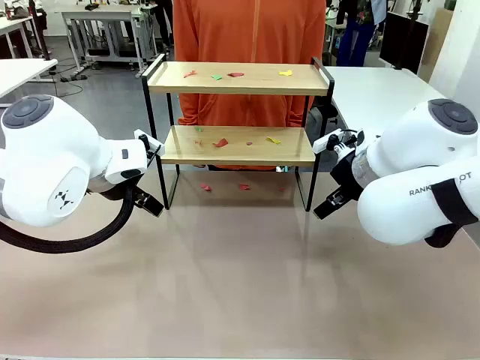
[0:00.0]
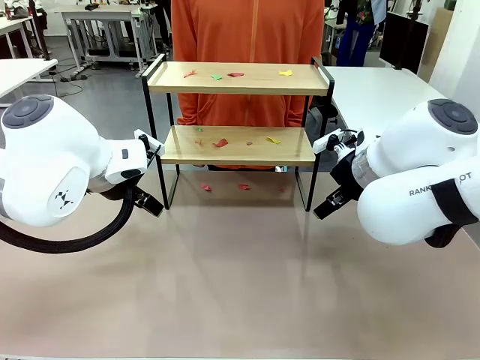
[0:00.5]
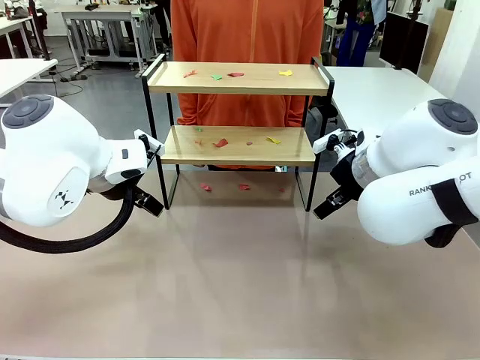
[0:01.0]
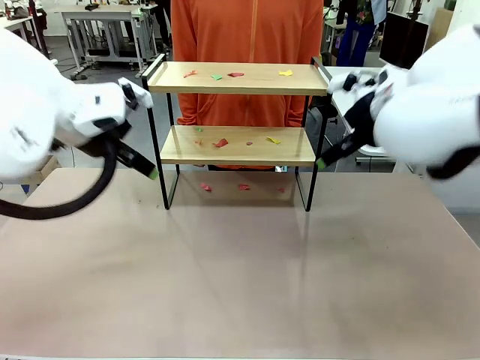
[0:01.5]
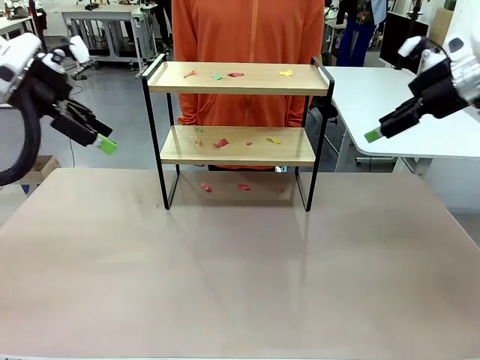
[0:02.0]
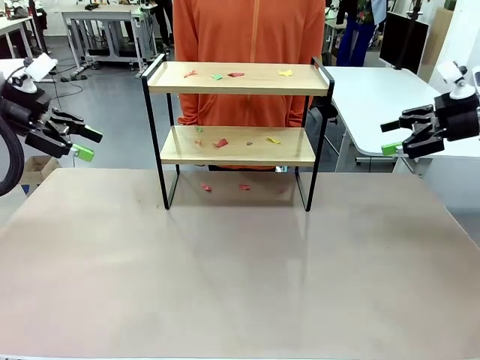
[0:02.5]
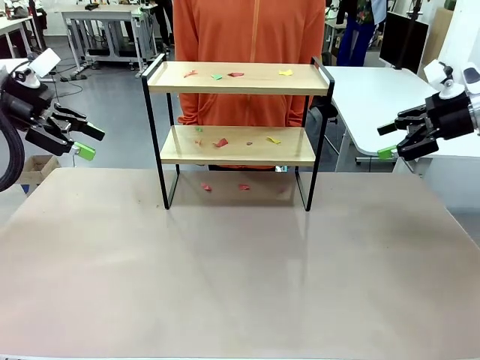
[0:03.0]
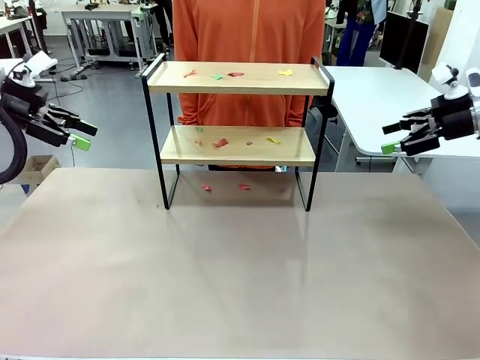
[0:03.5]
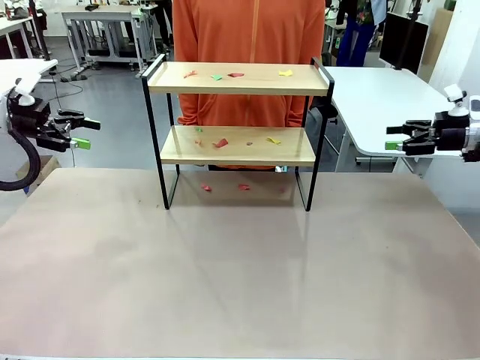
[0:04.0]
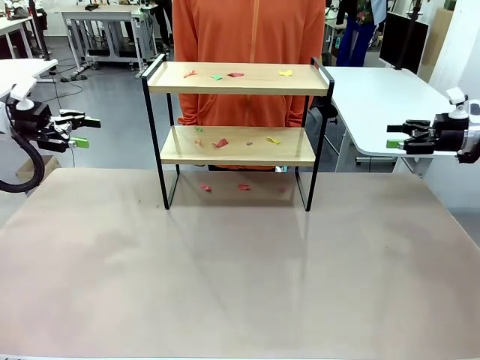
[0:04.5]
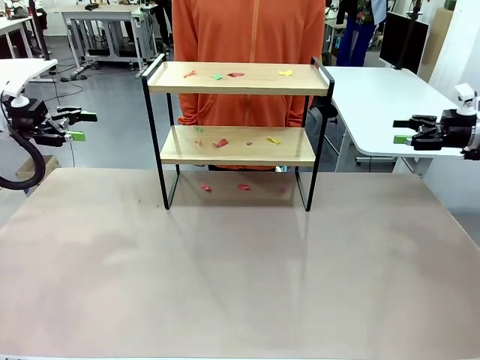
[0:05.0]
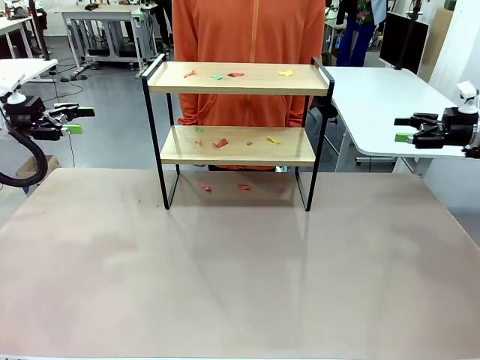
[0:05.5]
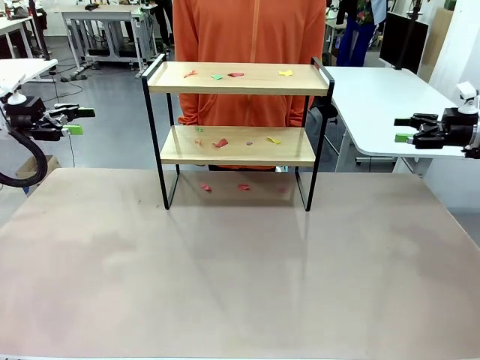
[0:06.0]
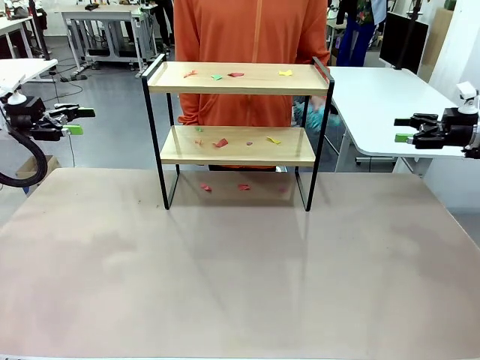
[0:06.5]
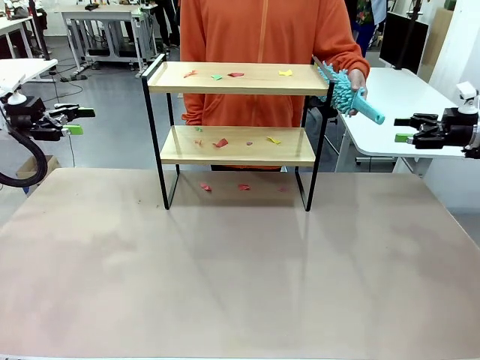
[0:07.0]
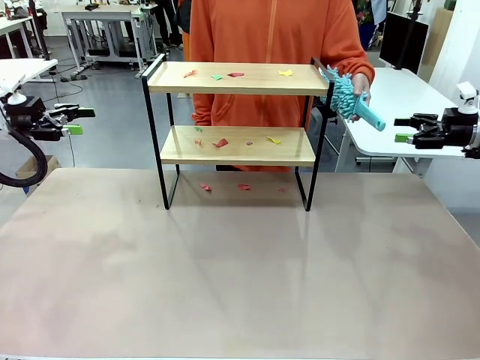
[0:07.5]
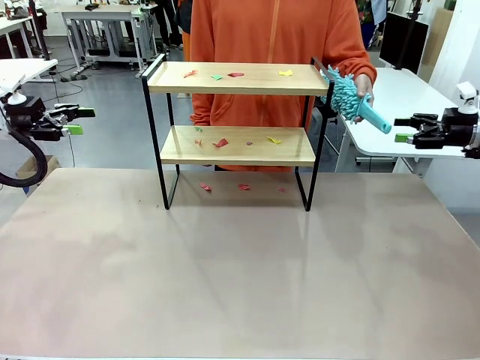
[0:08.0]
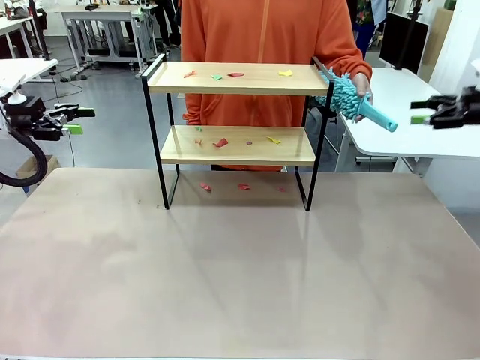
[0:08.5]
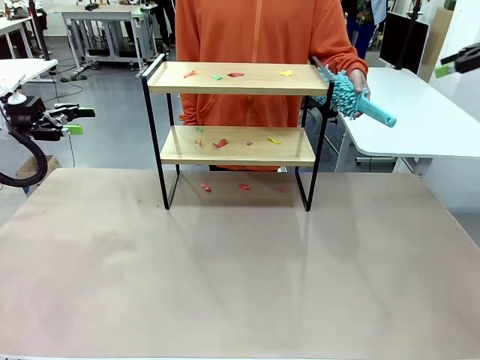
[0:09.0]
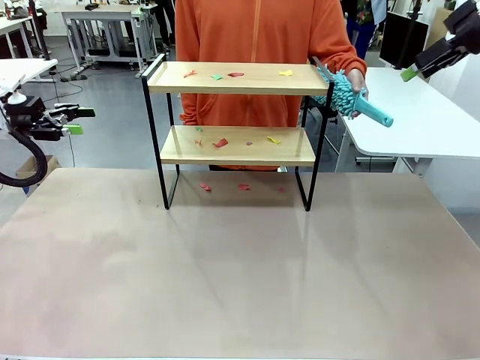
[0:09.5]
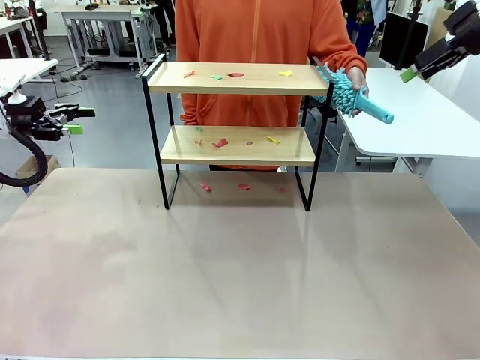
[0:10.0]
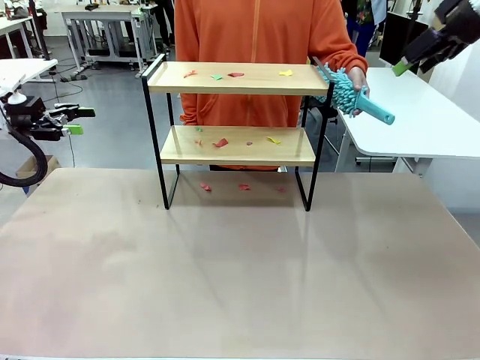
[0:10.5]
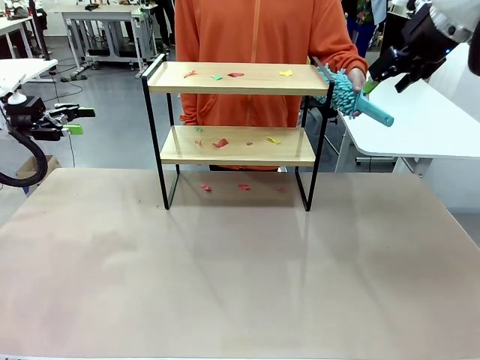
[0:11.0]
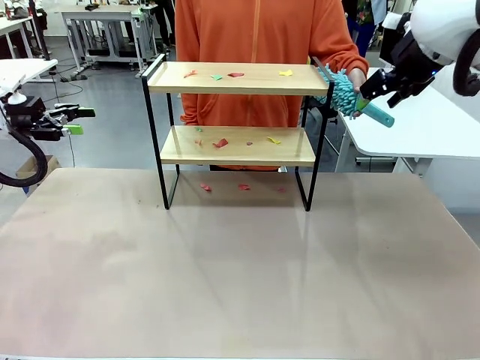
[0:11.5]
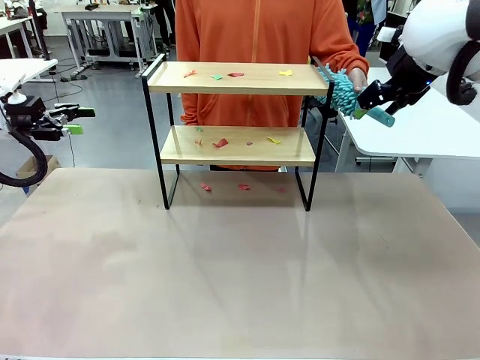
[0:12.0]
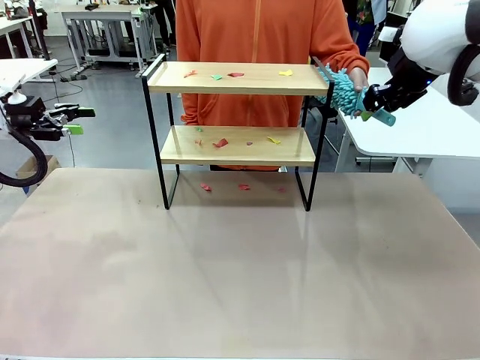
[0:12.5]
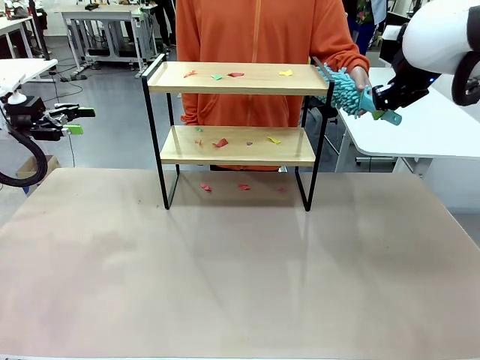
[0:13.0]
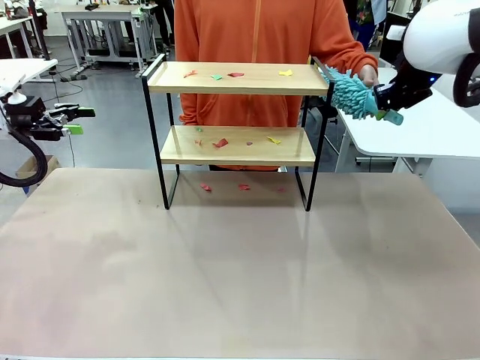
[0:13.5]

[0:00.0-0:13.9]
Task: Clean the shelf.
Robot: Pick up the Duster handed by the human.
Person: Hand the Duster to the robot.

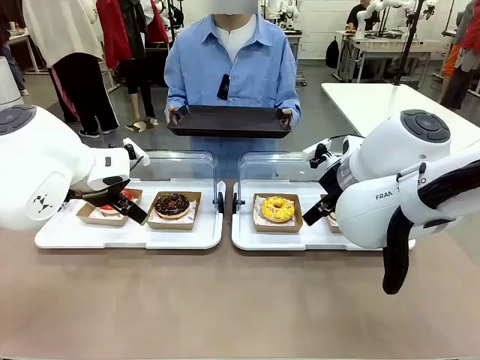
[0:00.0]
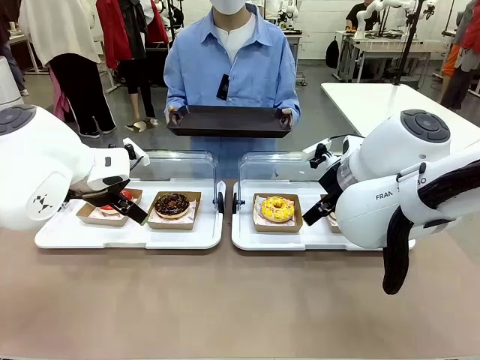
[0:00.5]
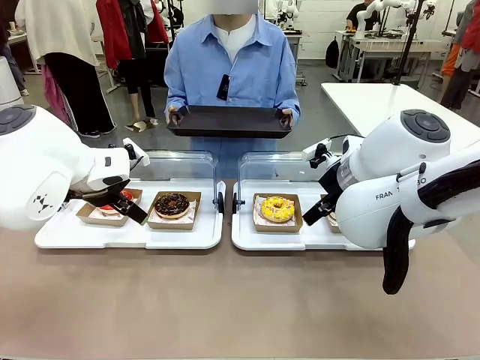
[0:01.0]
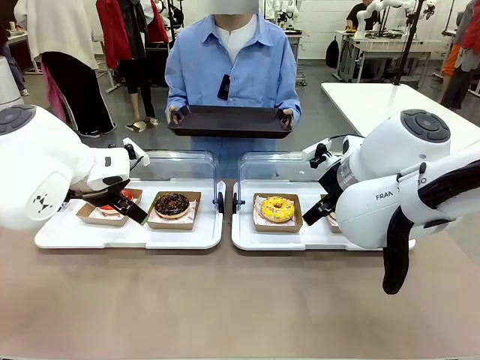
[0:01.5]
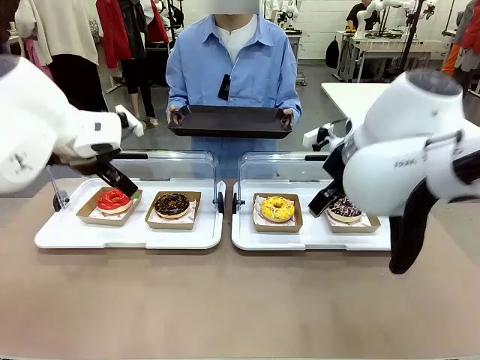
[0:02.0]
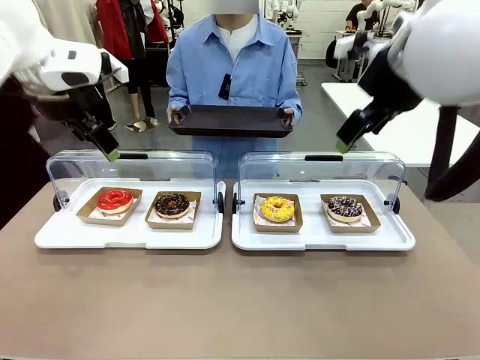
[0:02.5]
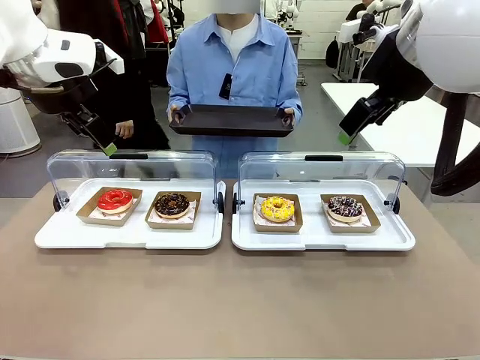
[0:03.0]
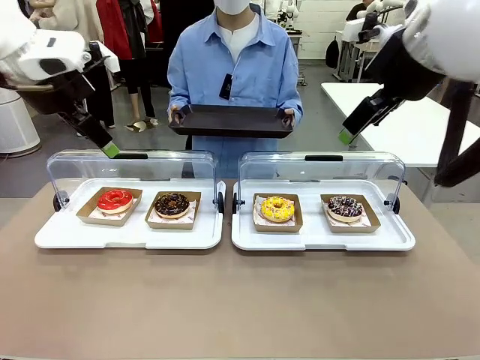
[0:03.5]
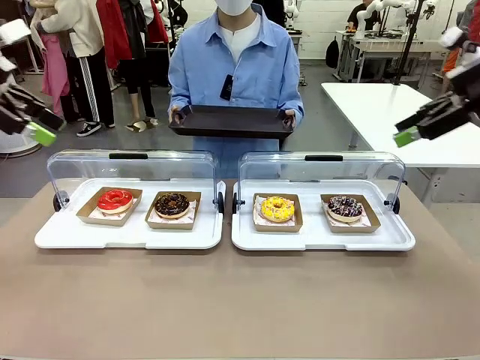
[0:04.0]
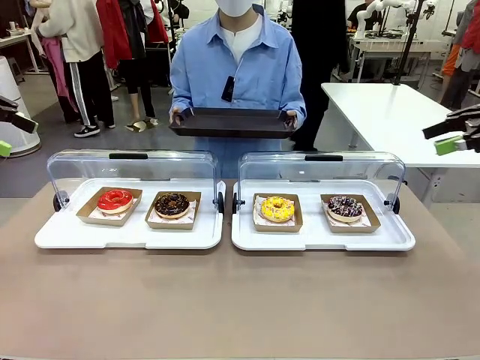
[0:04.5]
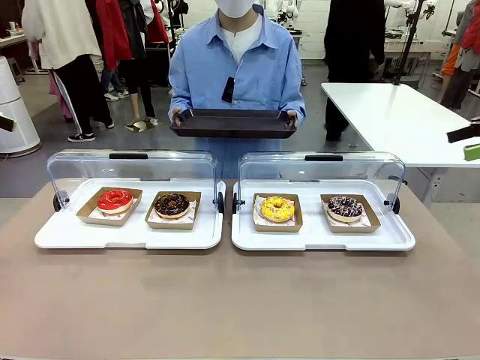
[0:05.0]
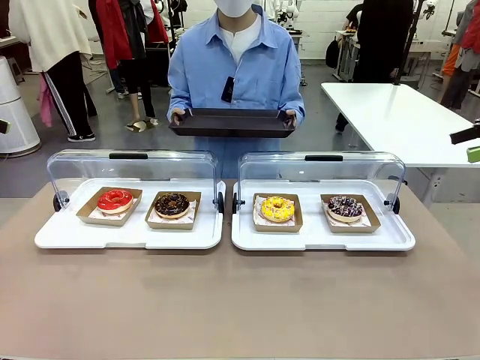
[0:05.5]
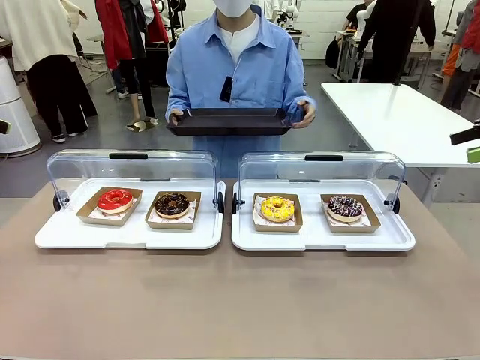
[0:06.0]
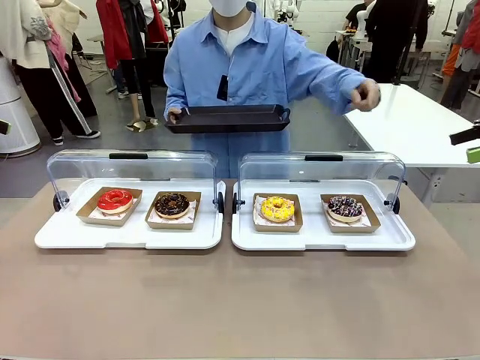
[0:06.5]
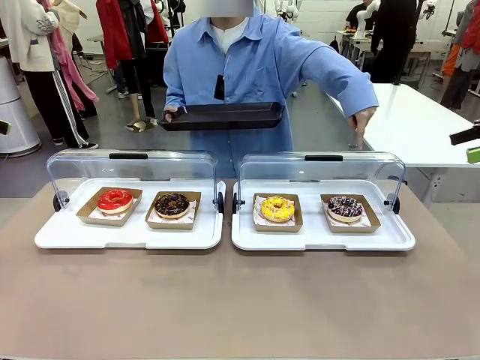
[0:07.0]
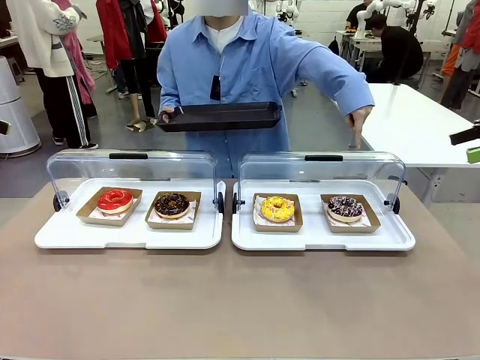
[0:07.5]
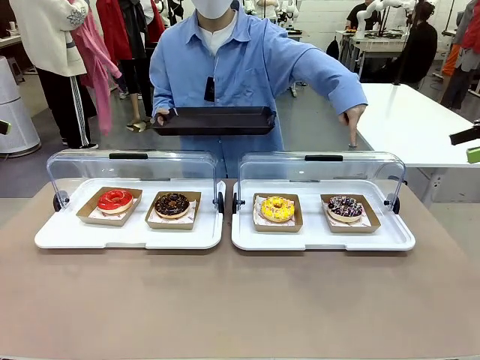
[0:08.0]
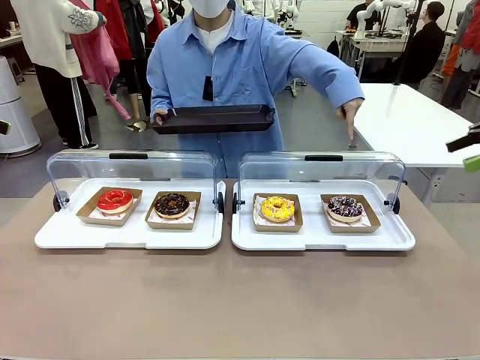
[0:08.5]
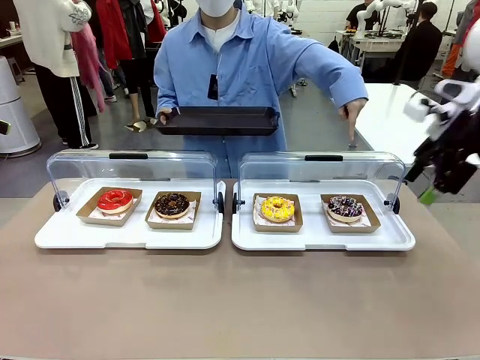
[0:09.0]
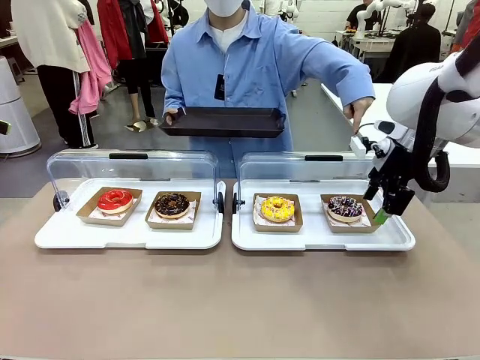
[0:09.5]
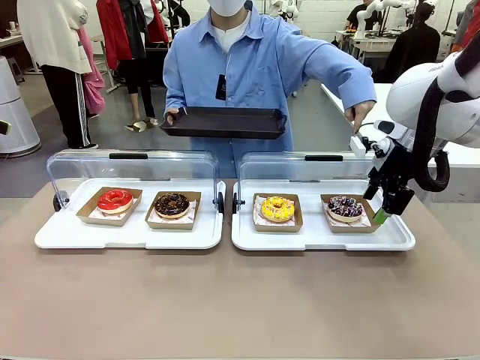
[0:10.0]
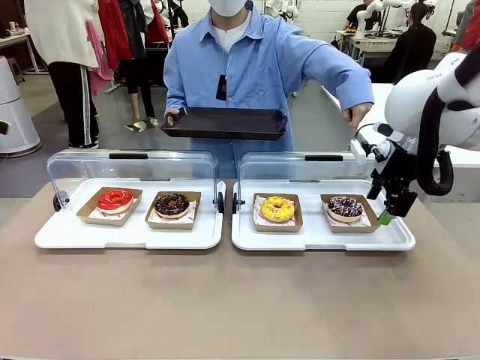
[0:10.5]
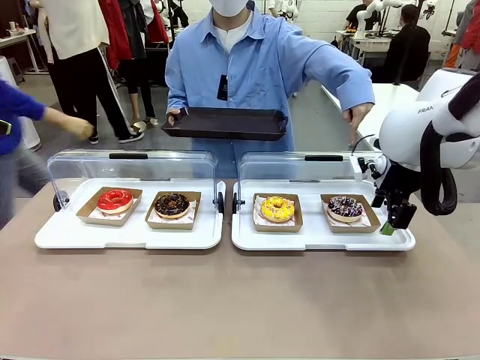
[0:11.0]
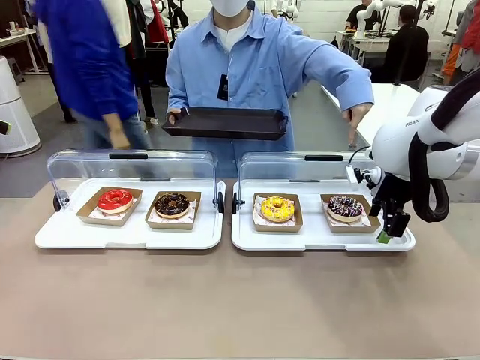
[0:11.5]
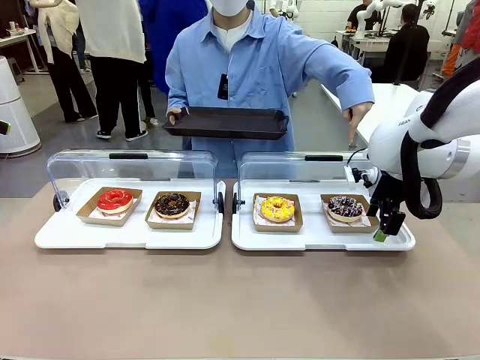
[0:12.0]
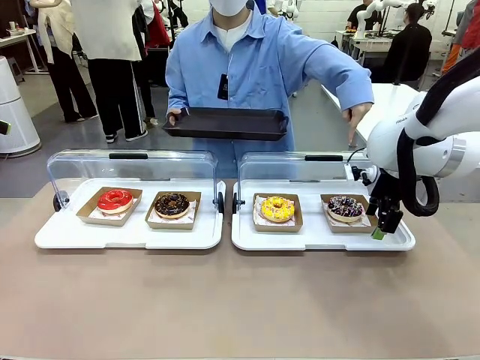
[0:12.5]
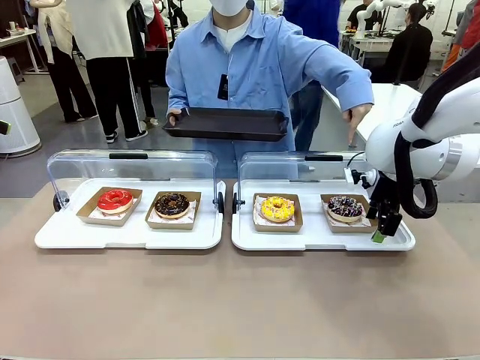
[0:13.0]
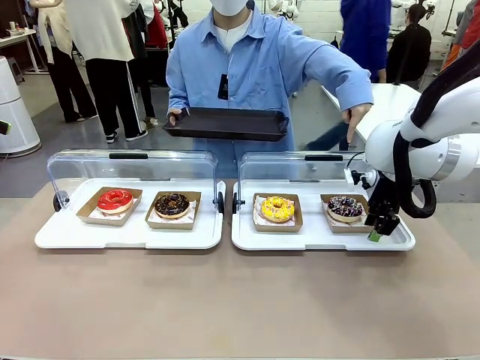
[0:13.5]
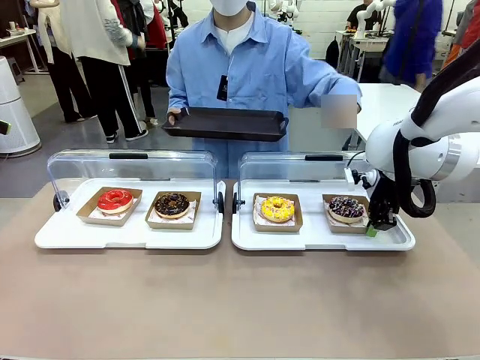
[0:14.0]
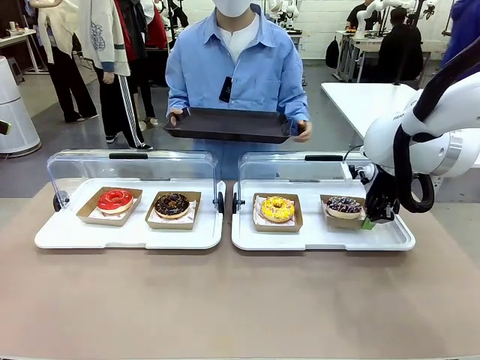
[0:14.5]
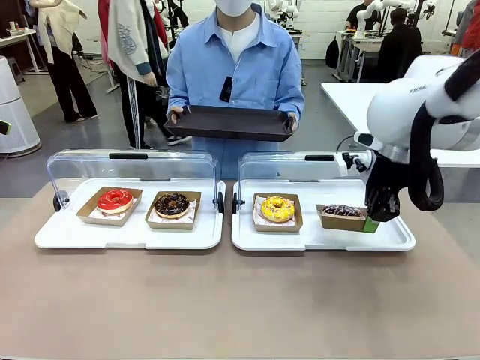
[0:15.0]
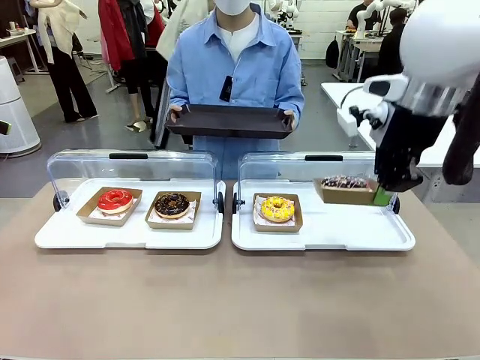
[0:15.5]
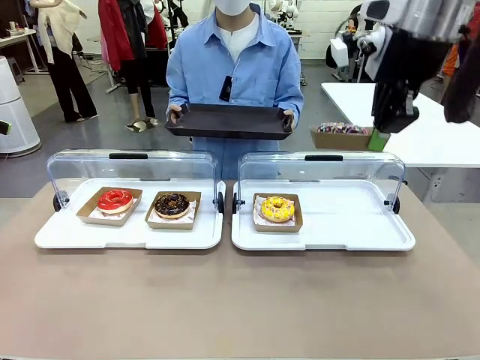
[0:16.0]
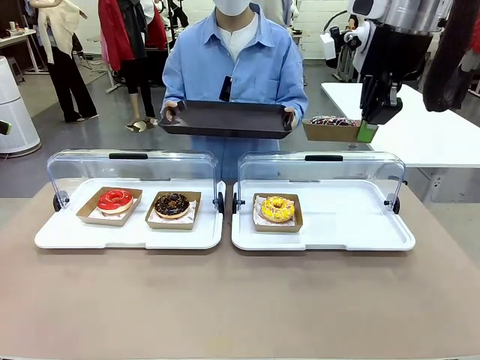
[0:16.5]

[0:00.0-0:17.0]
Task: Provide the desired donut to the person.
Robot: Pick up and lift the Paper togo box containing the Donut pointed at by the person.
Person: Point to one donut. Lift the tray onto the Roll-Top Bakery Case.
